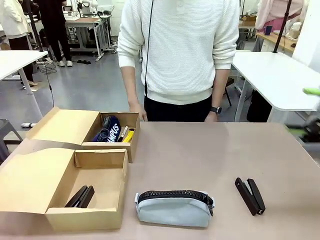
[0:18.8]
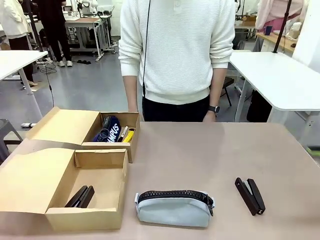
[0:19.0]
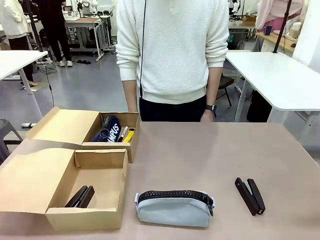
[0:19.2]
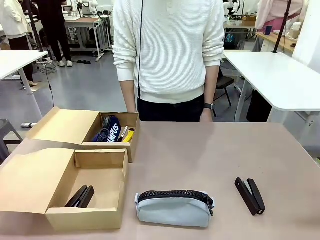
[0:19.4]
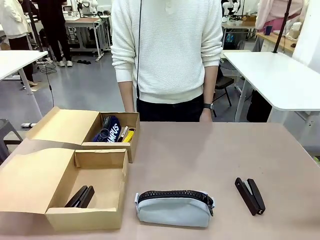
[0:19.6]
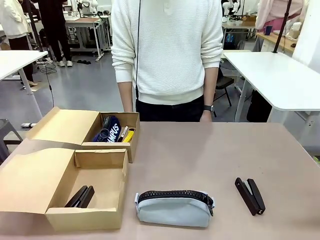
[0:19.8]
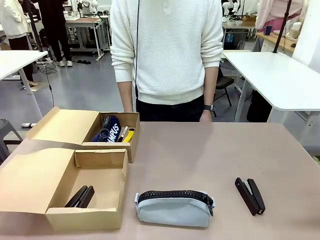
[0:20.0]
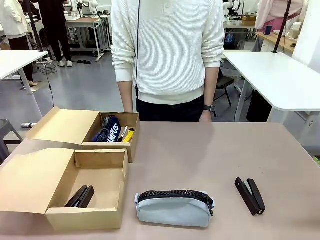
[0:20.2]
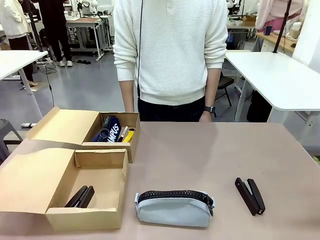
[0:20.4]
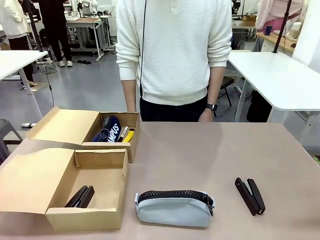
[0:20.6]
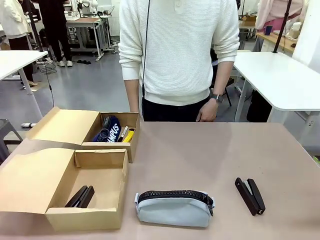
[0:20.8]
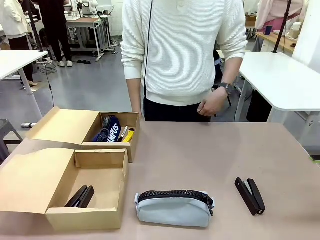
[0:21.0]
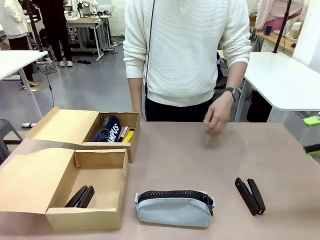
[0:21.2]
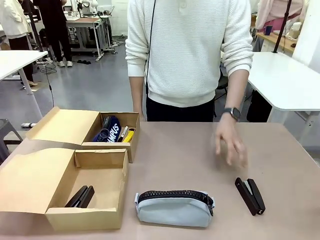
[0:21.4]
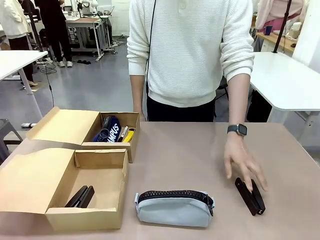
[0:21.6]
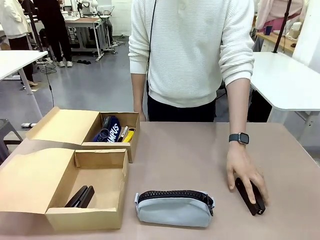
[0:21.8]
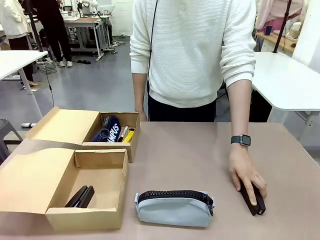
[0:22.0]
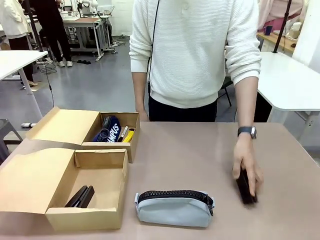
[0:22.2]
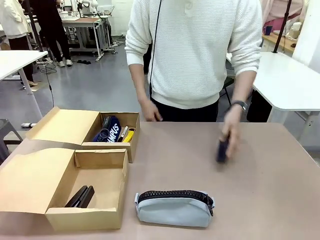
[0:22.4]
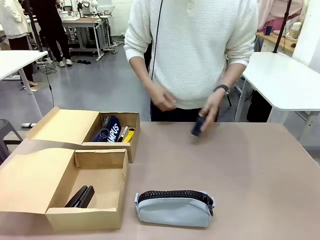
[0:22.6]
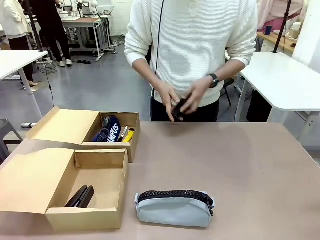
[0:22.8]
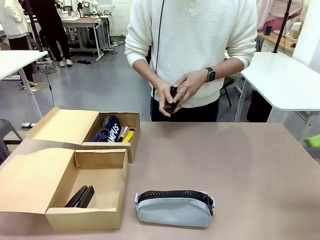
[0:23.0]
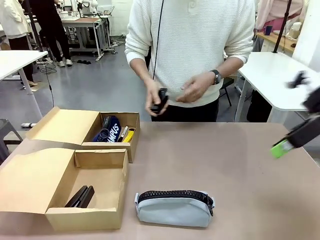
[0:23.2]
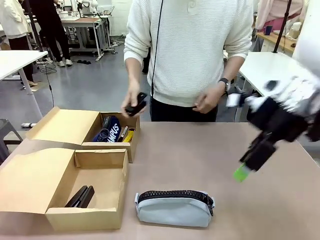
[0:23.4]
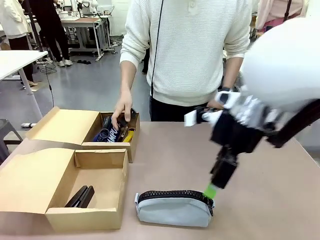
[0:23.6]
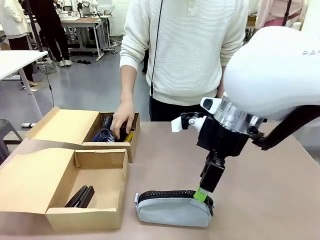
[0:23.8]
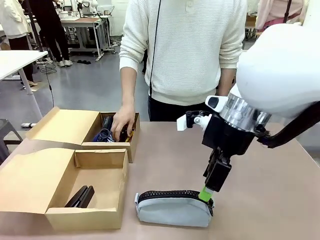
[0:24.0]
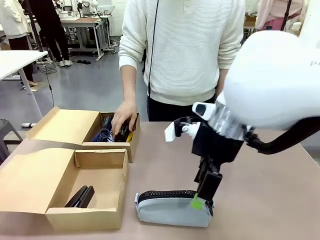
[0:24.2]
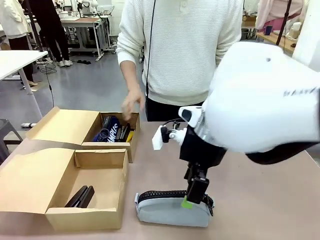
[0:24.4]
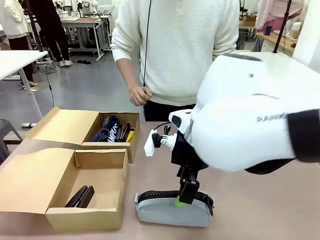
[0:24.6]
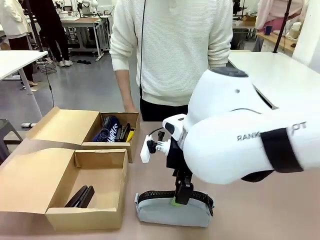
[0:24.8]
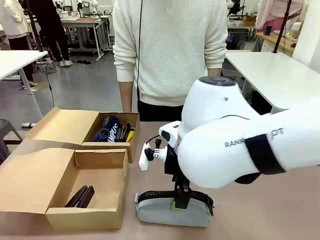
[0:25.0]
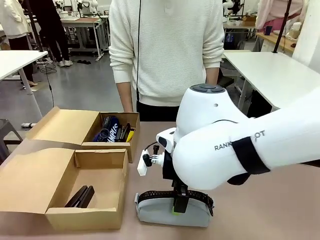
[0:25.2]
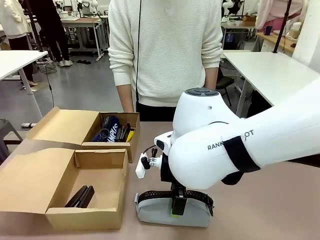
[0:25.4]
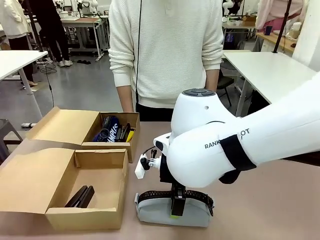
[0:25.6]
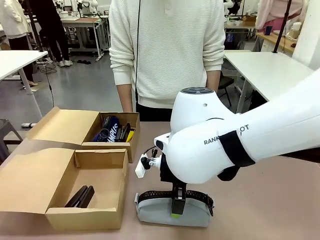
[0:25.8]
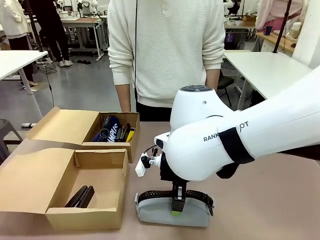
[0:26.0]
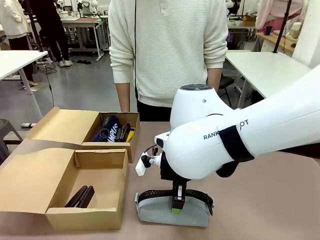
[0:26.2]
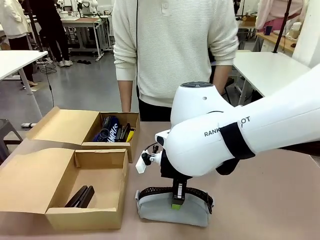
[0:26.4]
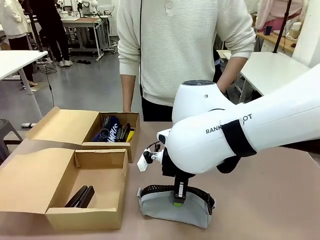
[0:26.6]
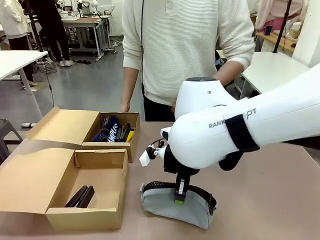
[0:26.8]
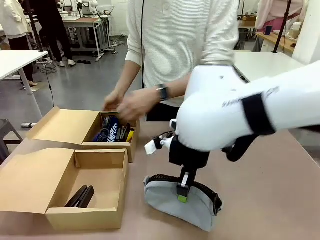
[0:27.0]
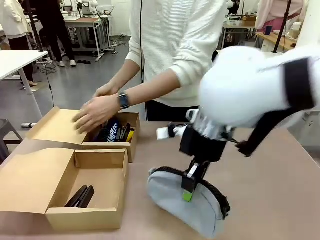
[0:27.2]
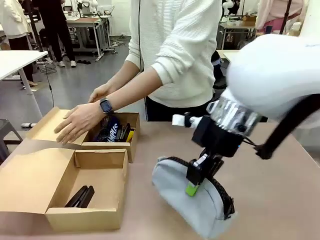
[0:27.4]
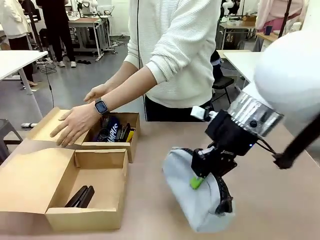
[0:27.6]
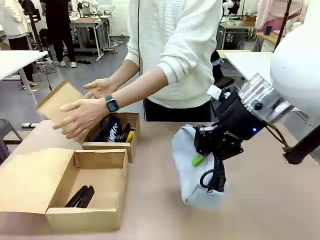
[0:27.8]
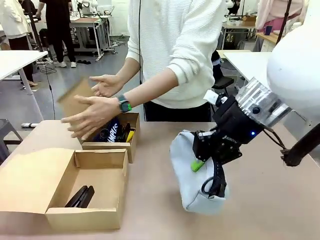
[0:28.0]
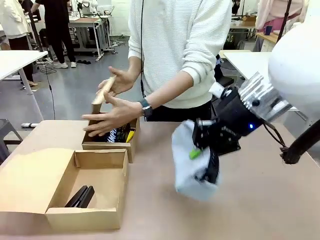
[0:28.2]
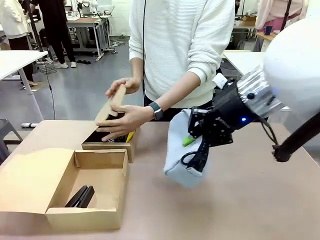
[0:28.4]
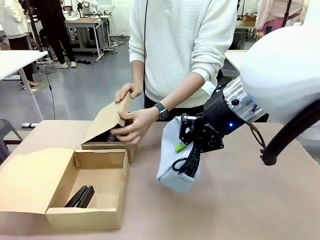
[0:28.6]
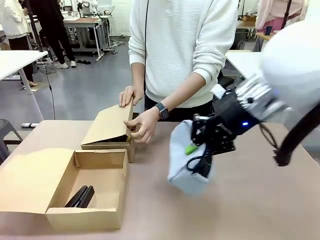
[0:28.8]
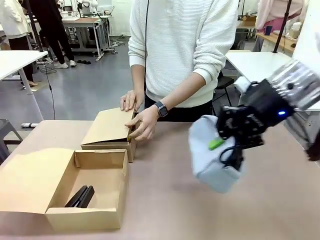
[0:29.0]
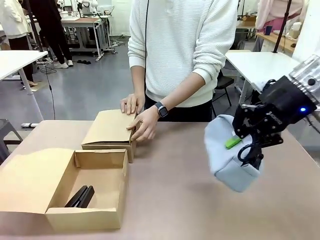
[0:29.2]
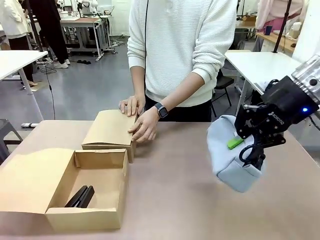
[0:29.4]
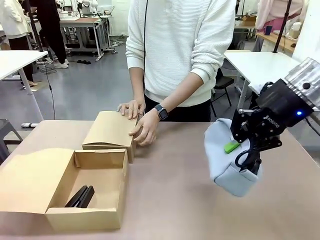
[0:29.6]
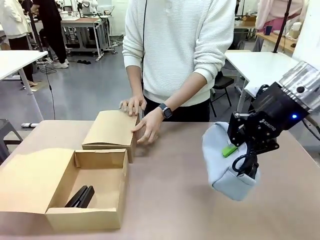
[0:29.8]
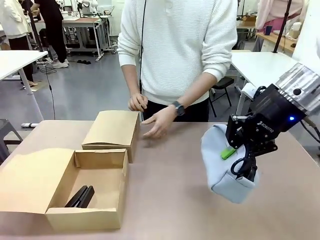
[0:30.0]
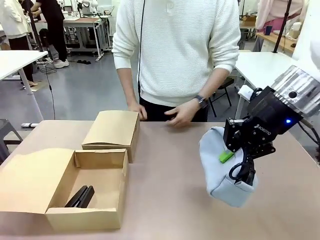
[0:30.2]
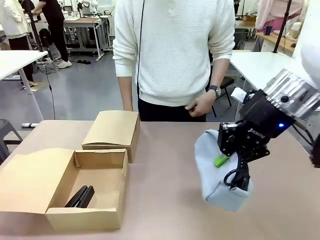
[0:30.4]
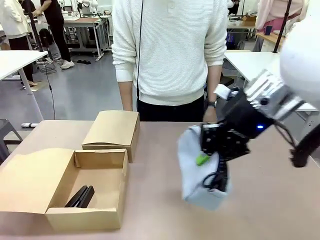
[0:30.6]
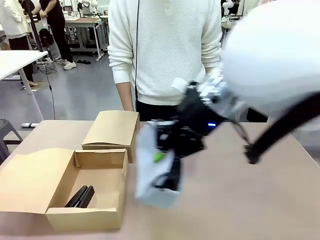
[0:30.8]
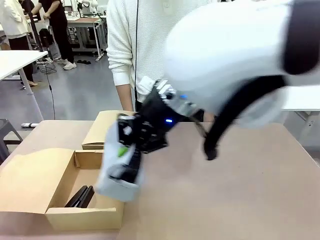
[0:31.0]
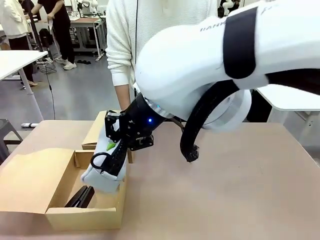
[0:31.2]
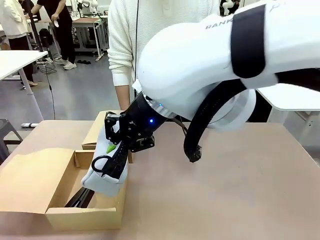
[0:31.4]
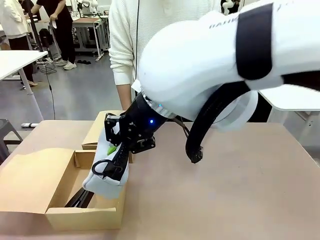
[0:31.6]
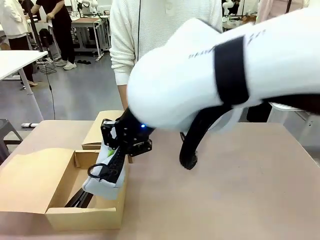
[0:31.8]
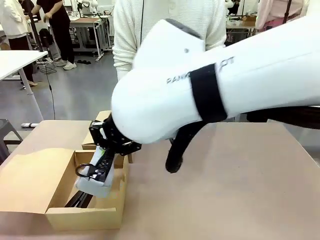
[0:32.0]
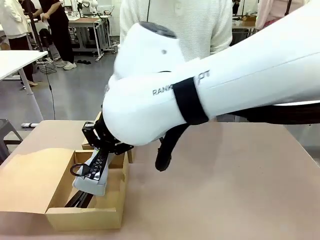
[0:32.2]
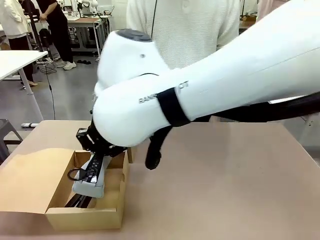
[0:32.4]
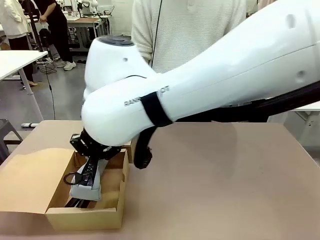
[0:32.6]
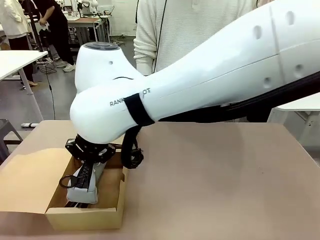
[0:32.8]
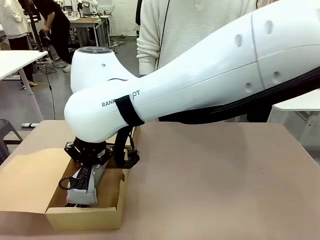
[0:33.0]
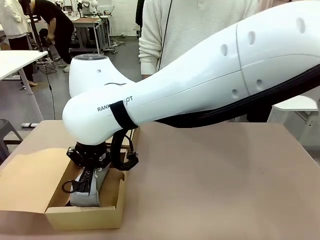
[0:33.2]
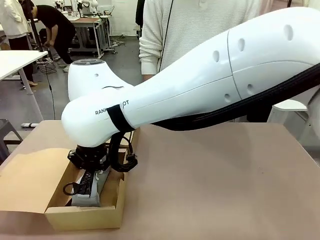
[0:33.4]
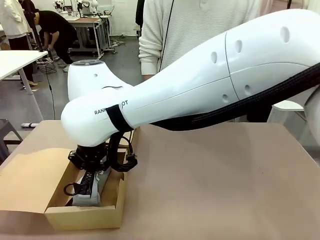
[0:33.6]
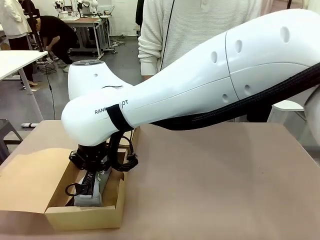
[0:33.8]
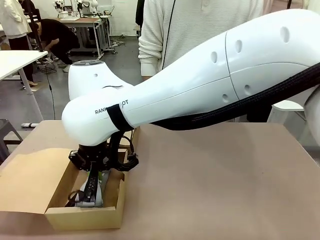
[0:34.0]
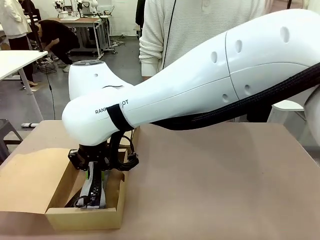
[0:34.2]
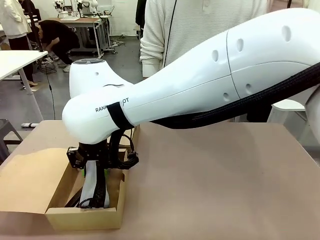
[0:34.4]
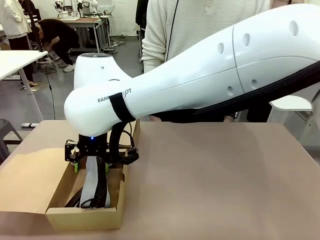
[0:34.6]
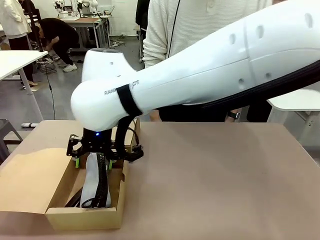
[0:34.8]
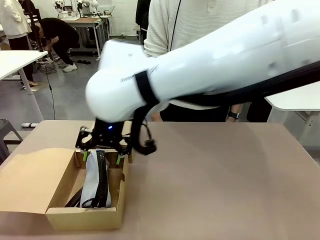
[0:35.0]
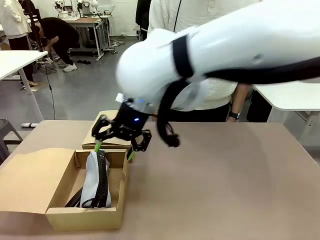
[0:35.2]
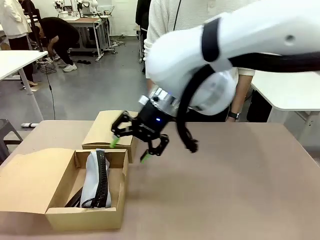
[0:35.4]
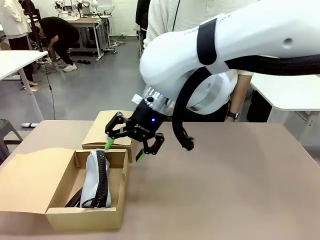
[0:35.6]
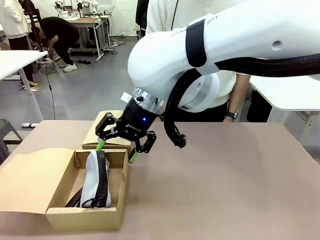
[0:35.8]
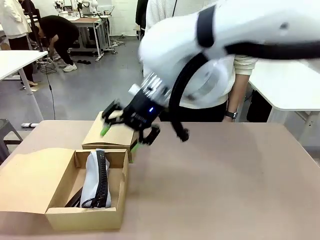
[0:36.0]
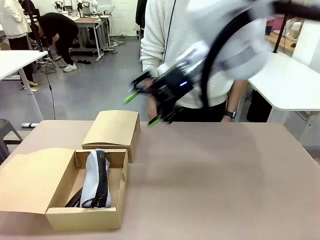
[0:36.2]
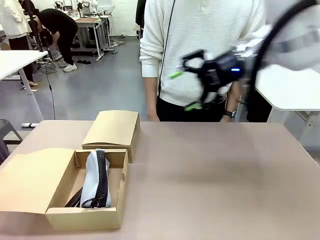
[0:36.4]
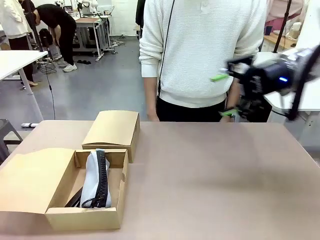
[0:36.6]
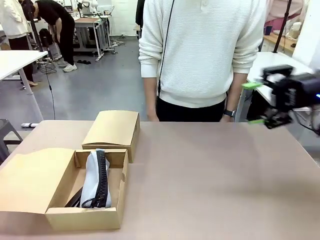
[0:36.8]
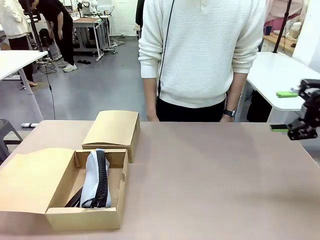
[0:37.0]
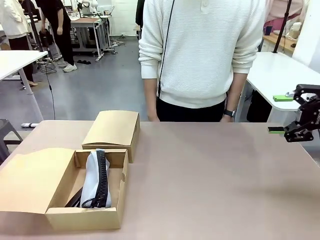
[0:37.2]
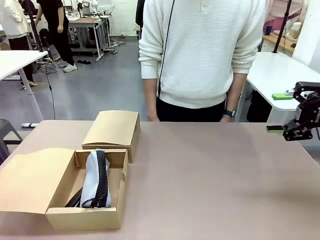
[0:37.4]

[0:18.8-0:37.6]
Task: Place items inside the box.
Robot: Pick up a Pencil pouch or Stapler and place it inside the Mailer Box closest to the robot.
Person: Close the lid of the box facing the person.
